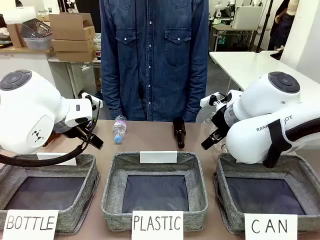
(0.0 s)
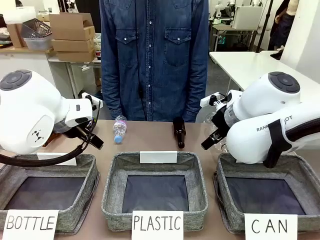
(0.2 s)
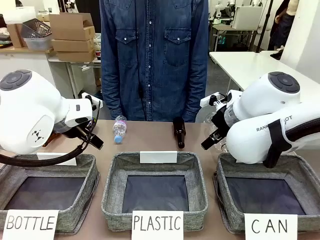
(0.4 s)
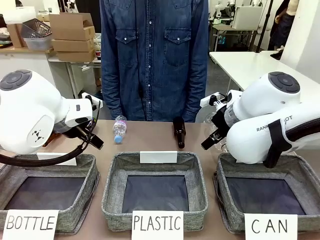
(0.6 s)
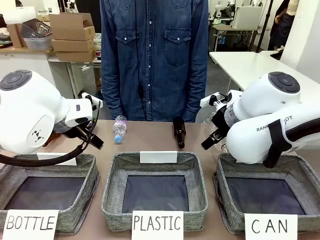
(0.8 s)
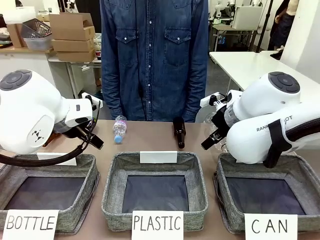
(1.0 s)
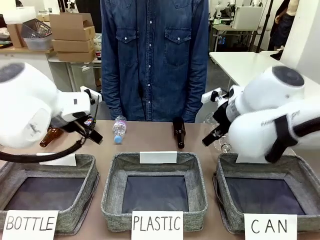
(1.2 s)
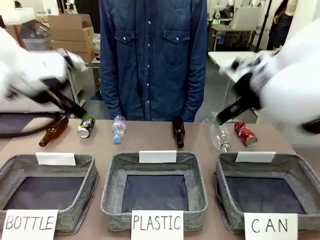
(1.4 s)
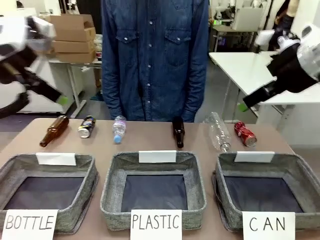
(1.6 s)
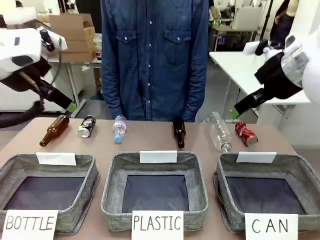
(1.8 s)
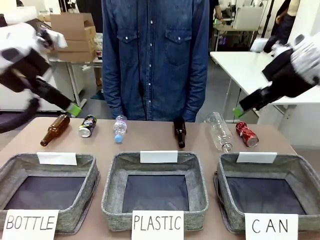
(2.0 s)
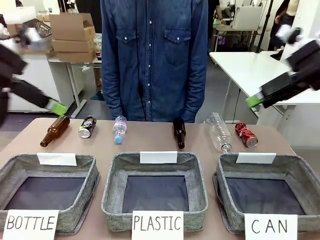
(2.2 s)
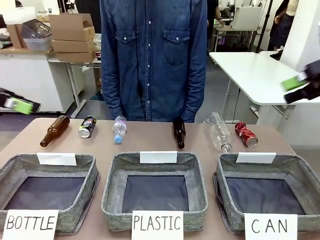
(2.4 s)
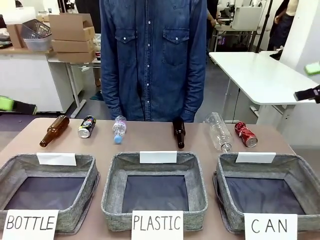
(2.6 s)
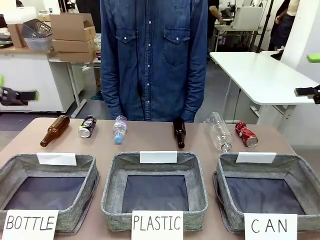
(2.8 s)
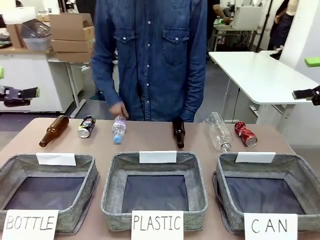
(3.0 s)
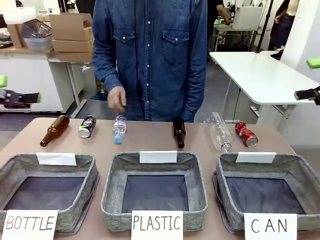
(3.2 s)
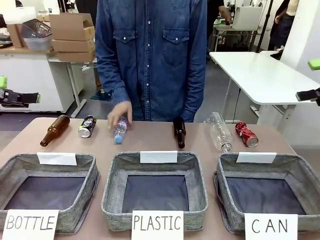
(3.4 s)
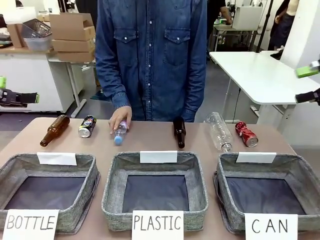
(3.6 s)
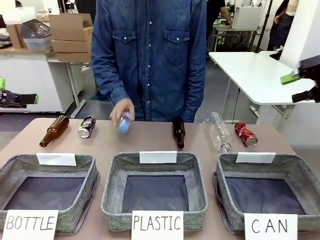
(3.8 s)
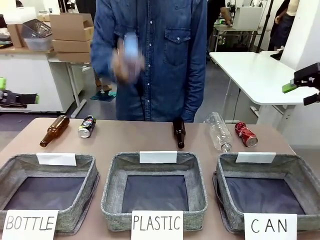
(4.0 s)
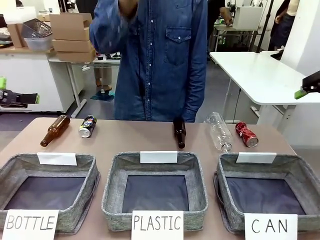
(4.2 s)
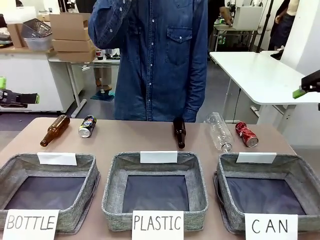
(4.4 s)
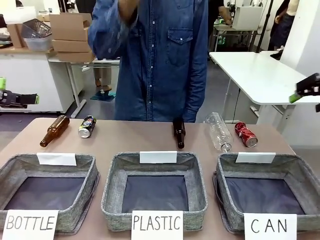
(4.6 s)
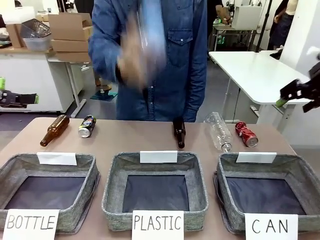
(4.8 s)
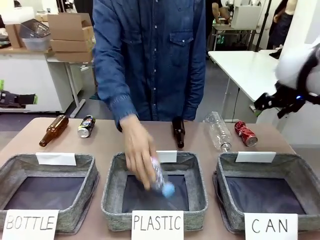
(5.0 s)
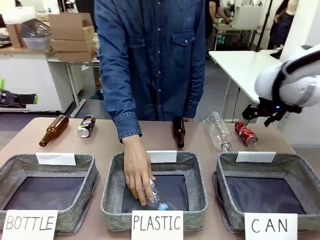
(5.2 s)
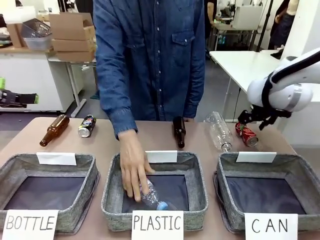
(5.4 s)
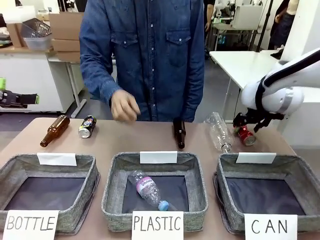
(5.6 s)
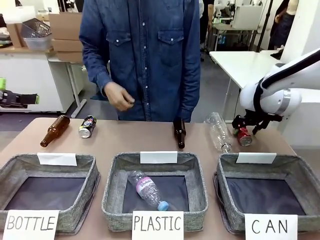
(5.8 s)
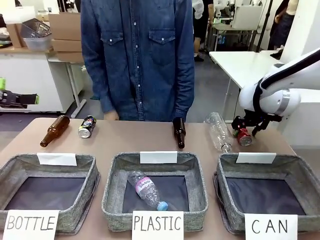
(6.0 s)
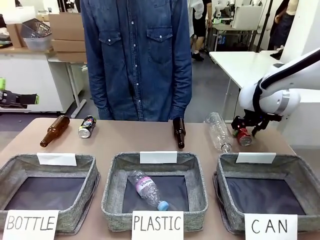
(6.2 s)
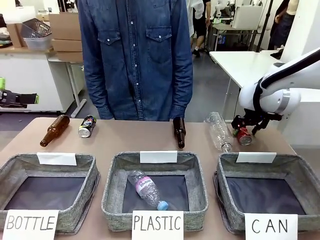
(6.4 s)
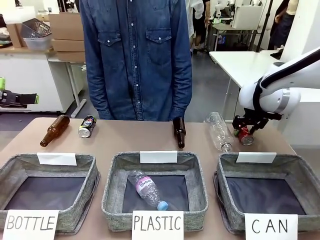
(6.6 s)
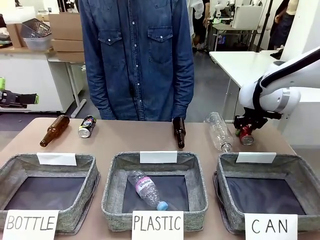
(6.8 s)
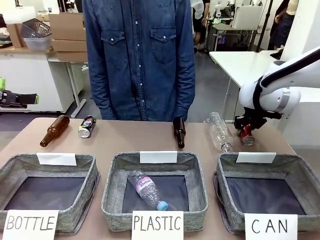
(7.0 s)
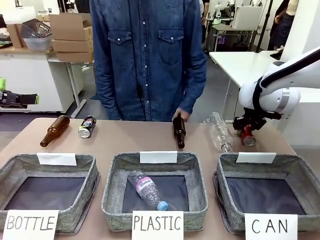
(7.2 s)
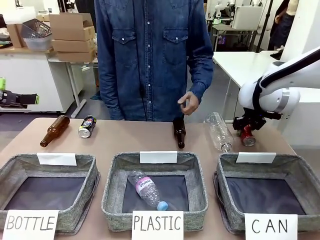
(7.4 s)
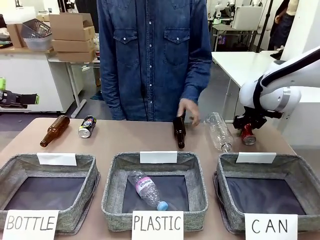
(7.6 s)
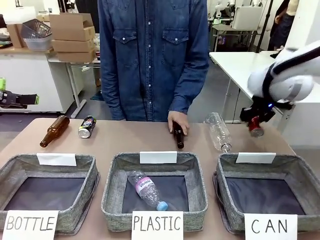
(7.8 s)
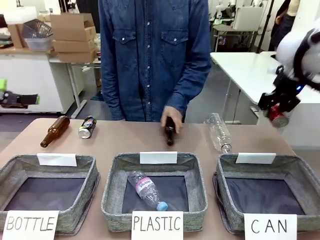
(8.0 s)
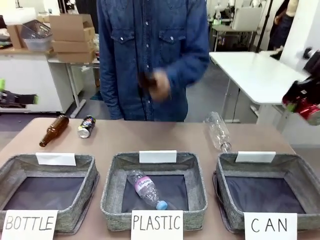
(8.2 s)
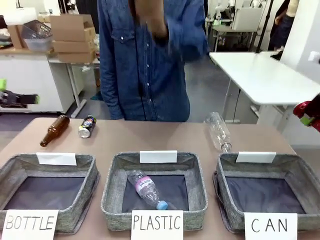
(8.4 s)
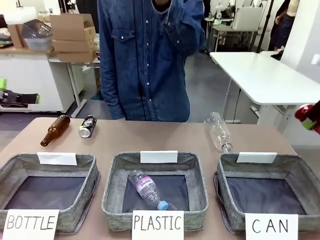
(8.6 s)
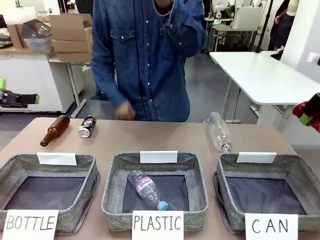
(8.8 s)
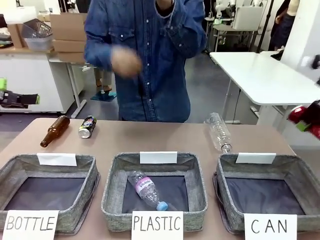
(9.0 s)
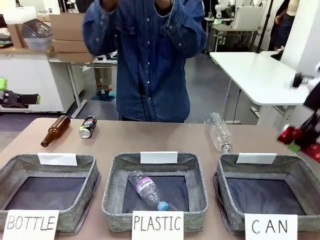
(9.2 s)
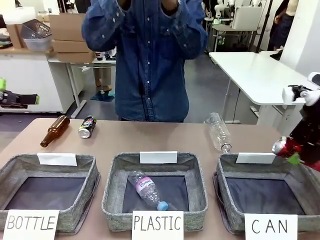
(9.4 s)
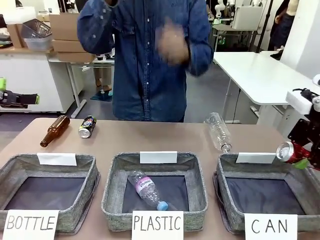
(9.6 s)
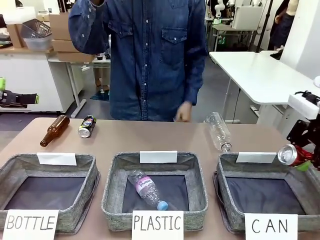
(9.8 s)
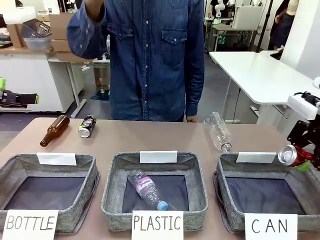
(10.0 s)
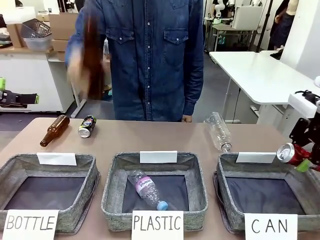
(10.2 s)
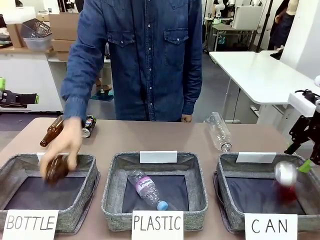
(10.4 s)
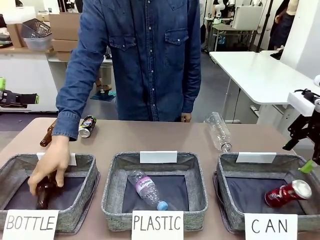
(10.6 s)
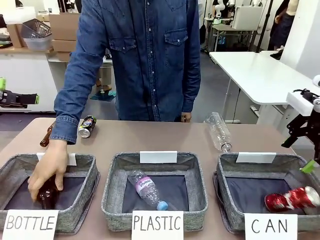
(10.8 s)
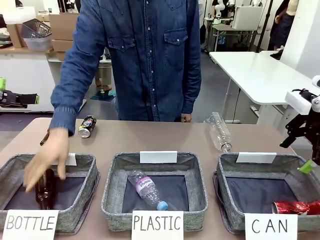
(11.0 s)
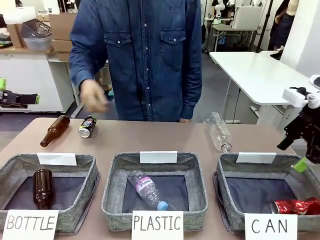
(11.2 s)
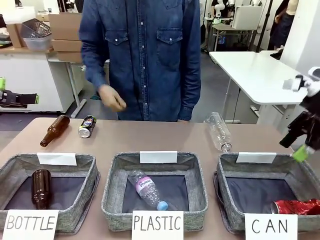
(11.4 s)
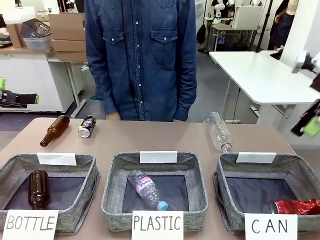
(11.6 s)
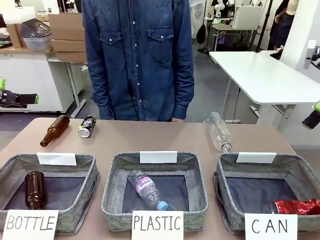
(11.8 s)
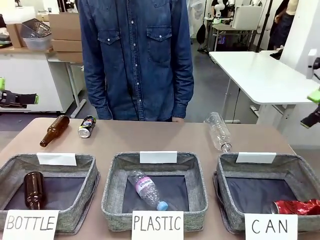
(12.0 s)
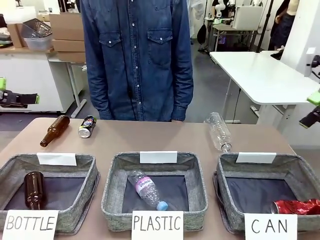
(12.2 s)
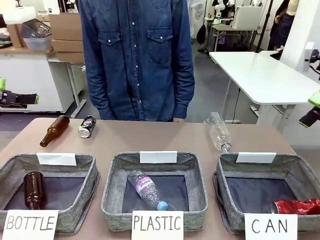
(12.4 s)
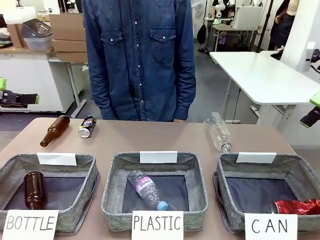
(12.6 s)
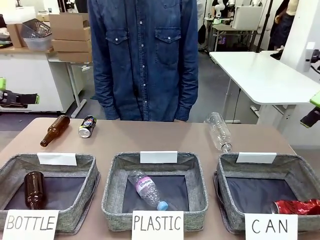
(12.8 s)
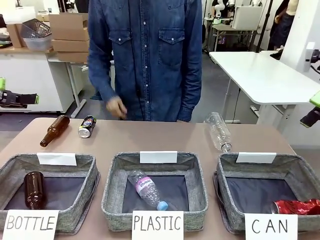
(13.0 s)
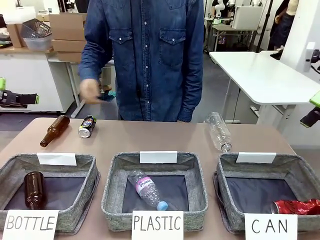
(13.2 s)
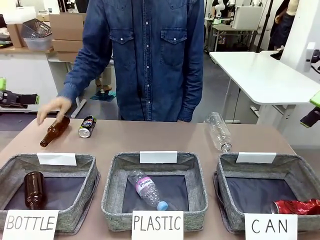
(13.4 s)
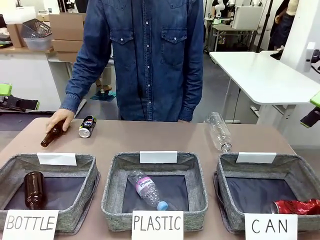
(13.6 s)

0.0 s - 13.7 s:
Task: Sort the can waste into the basket.
Robot: Pick up the can waste from the table and place it in the right Fabric basket.
